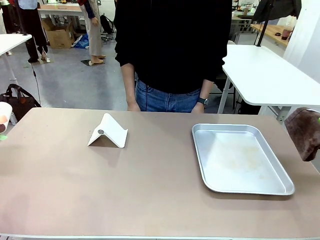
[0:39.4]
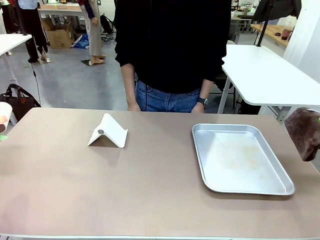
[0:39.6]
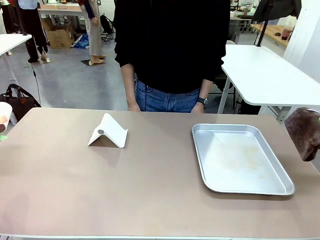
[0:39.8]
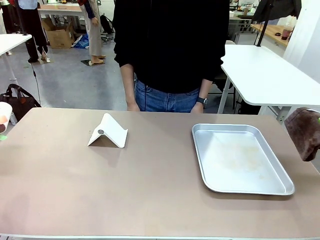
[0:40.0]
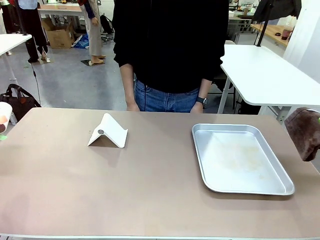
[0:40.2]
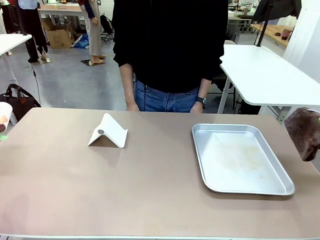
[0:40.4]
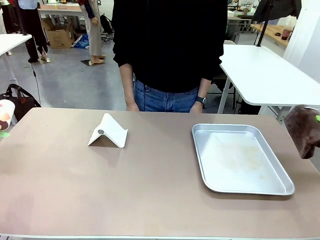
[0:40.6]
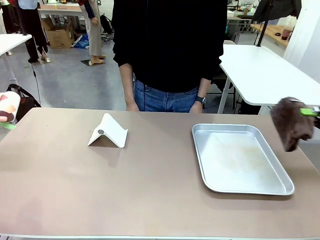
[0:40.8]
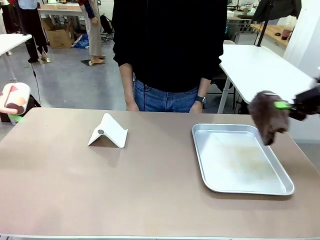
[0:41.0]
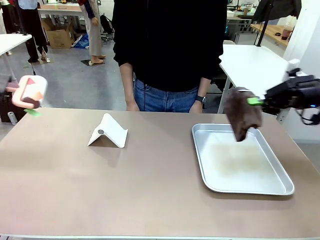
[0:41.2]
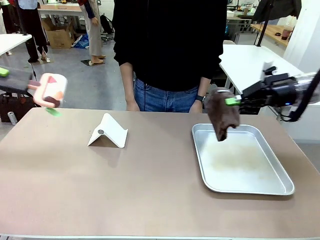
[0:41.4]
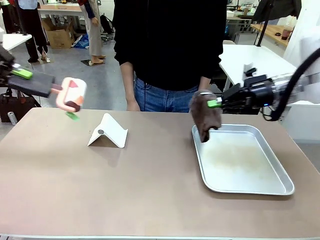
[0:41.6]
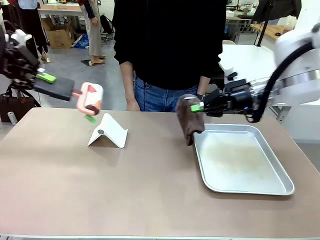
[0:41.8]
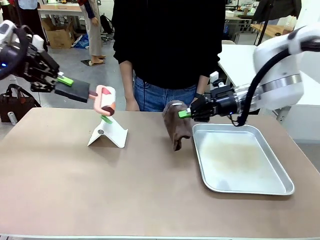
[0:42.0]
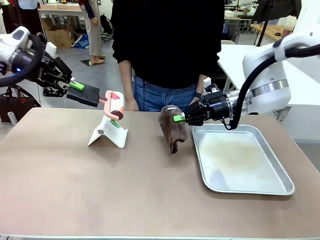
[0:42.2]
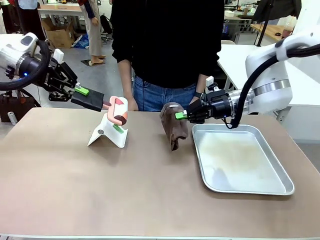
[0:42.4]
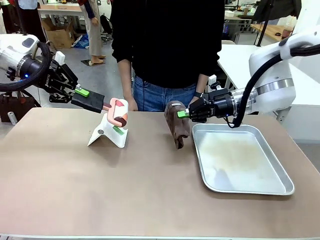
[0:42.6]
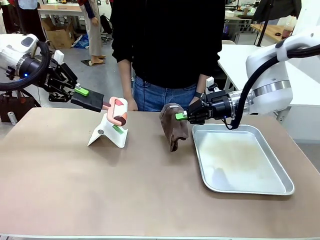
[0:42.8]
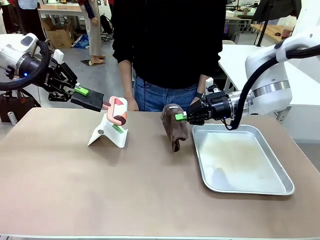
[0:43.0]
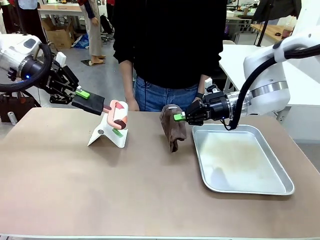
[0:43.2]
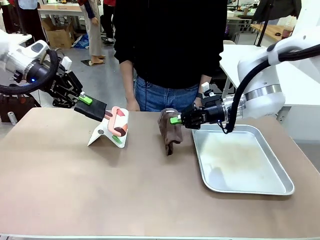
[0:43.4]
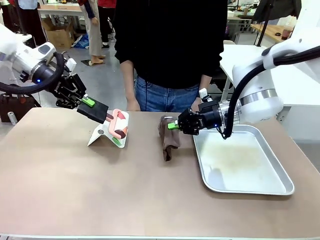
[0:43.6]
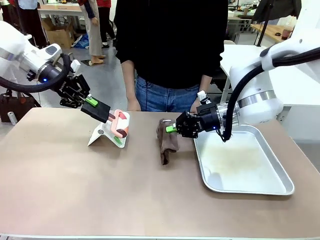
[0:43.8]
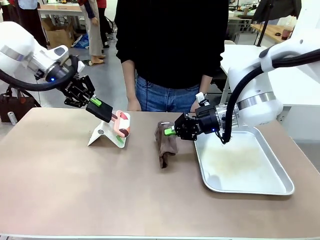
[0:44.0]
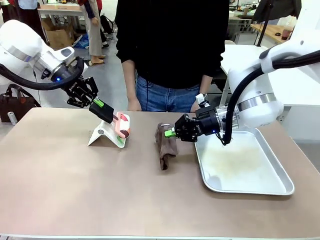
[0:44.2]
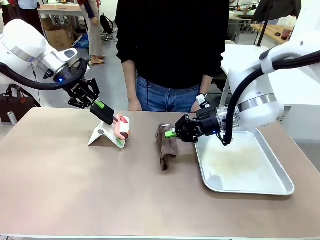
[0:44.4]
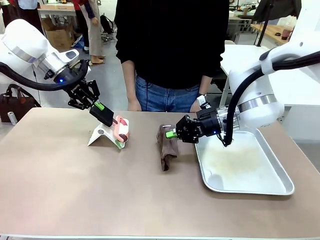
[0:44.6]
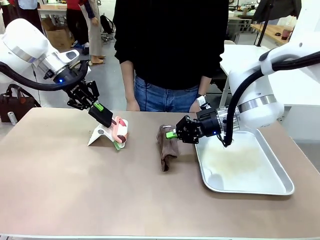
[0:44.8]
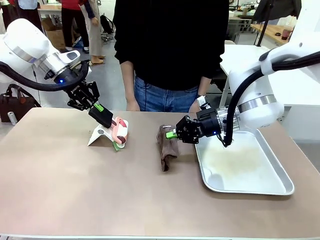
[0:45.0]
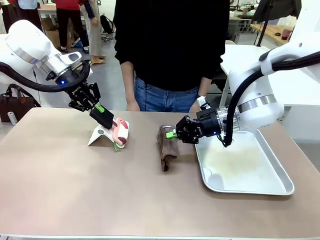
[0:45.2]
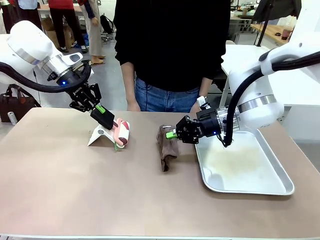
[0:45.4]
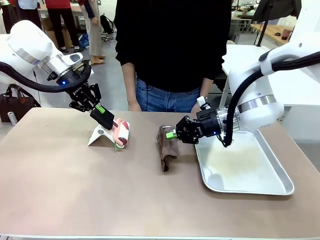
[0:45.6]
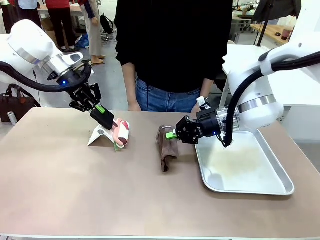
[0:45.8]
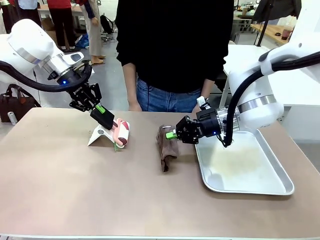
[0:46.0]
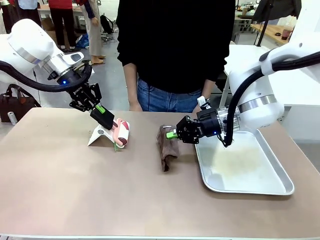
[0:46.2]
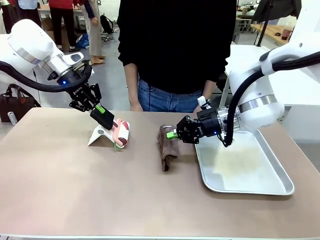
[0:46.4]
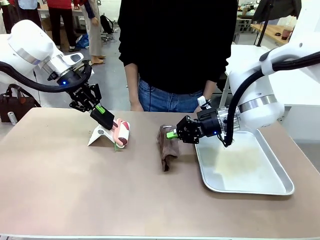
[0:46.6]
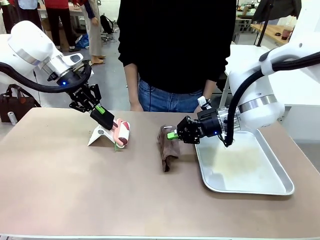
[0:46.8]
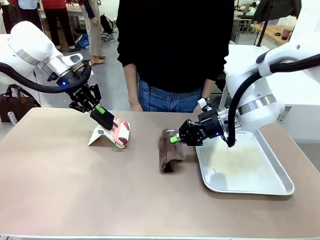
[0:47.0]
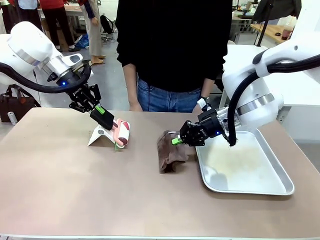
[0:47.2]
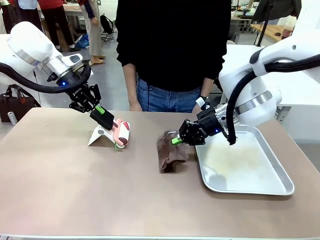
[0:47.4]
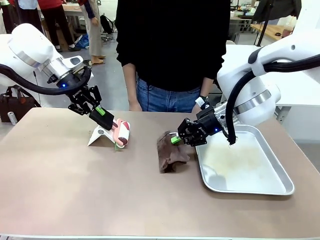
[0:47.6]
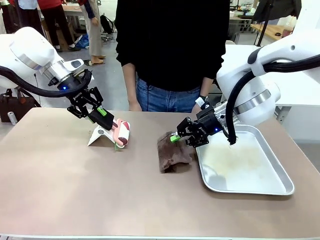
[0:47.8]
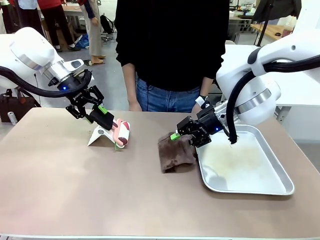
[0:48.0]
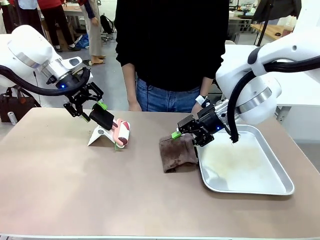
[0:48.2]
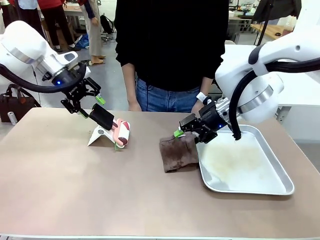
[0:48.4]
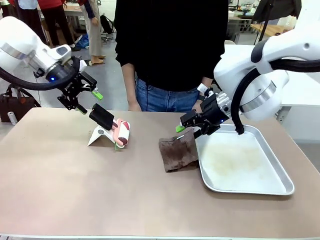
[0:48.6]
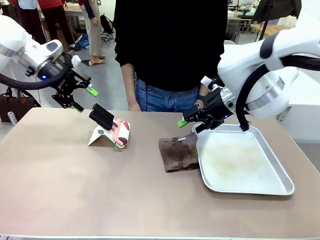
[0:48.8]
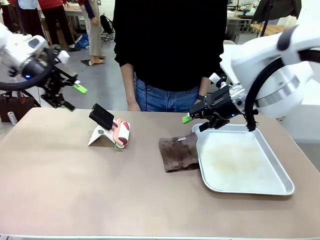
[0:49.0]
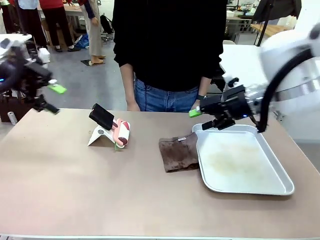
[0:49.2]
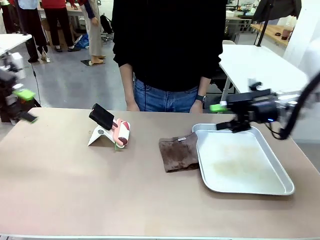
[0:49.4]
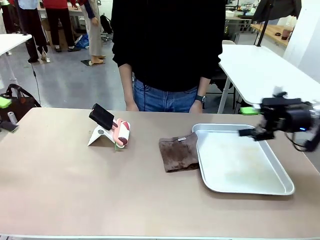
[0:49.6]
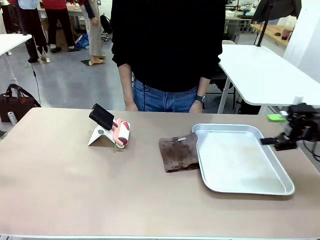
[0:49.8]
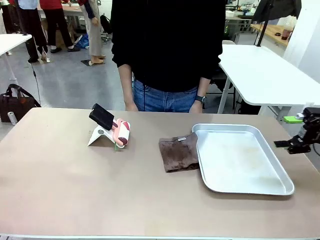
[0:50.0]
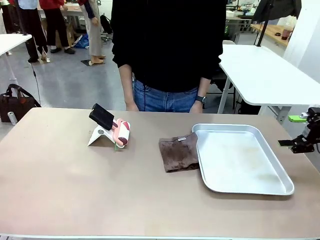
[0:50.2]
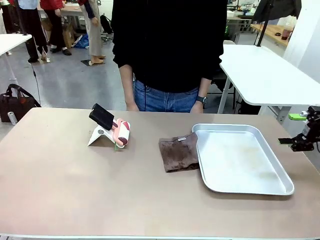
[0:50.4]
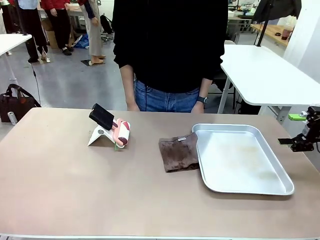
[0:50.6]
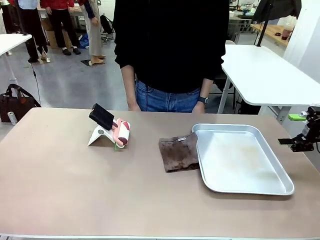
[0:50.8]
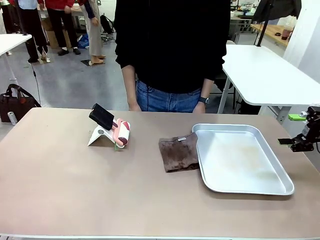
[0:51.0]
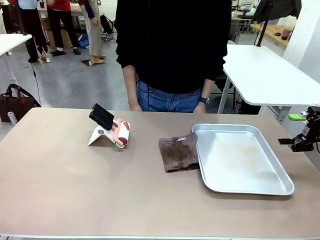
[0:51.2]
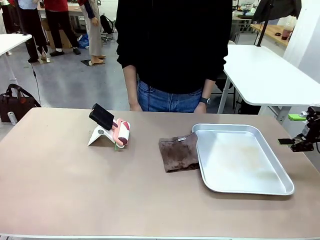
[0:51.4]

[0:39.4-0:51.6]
Task: Clean the surface of the table.
Robot: Return the Lint Roller and towel to their original positions.

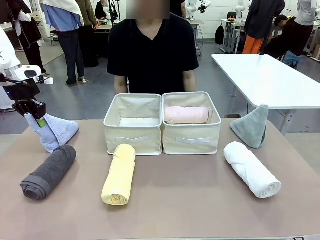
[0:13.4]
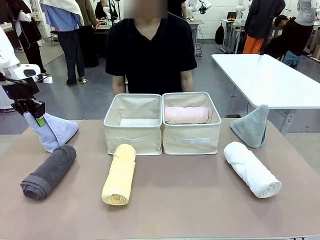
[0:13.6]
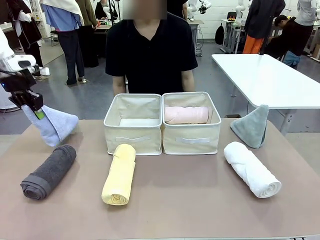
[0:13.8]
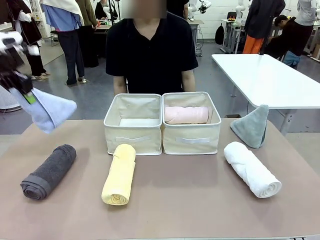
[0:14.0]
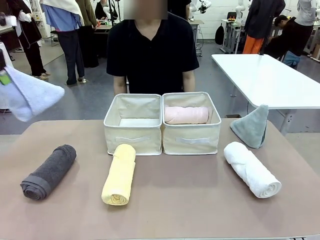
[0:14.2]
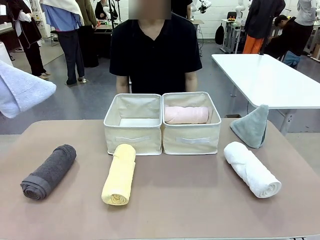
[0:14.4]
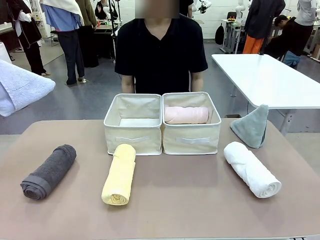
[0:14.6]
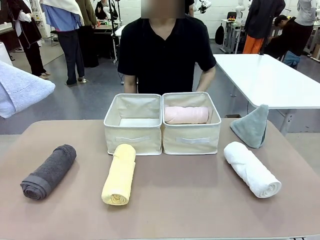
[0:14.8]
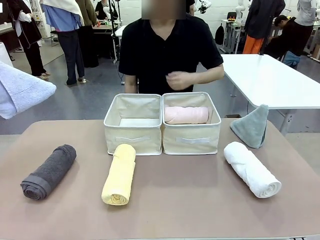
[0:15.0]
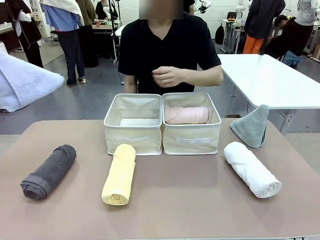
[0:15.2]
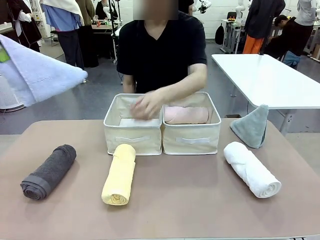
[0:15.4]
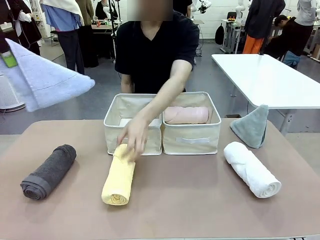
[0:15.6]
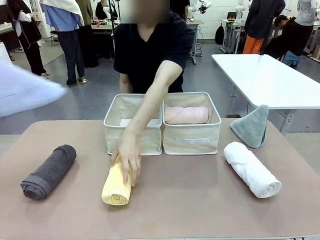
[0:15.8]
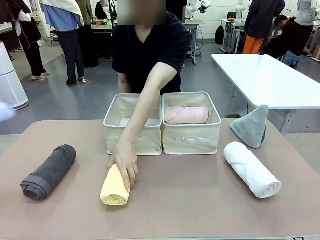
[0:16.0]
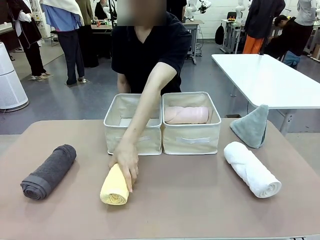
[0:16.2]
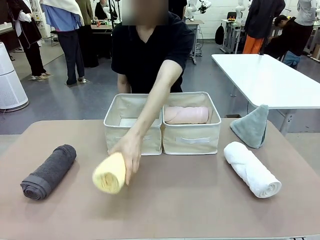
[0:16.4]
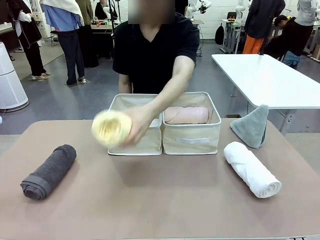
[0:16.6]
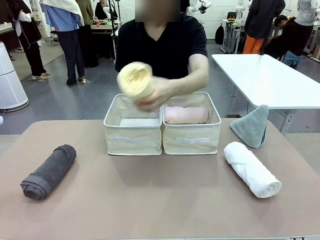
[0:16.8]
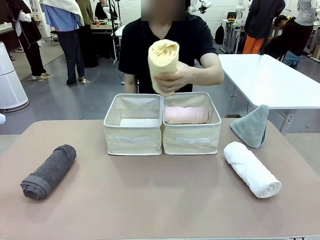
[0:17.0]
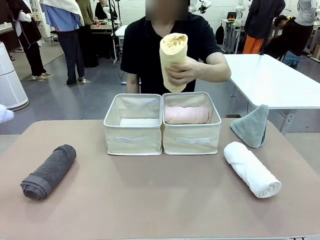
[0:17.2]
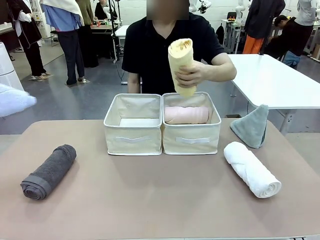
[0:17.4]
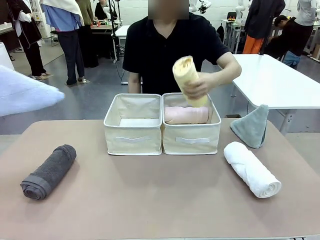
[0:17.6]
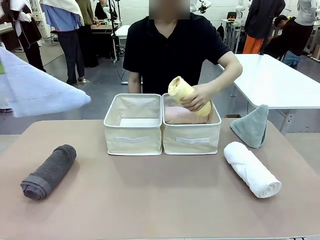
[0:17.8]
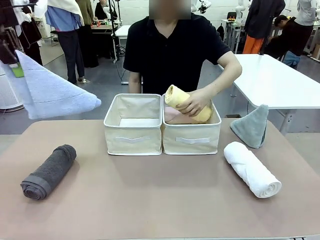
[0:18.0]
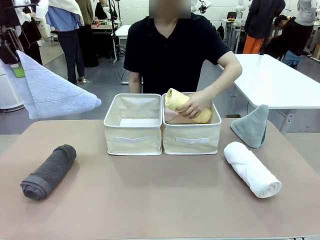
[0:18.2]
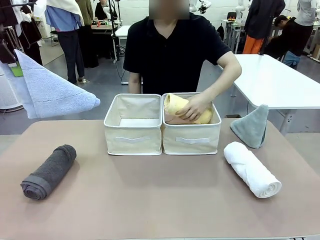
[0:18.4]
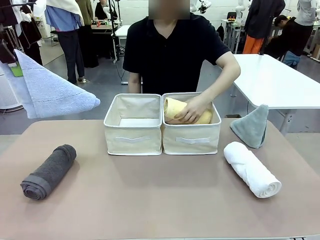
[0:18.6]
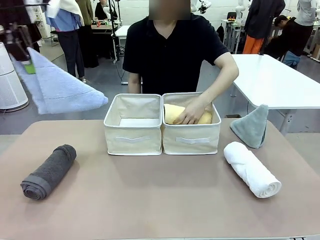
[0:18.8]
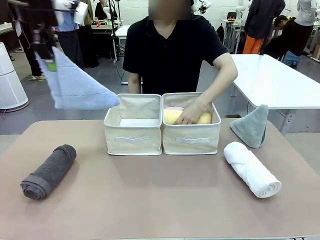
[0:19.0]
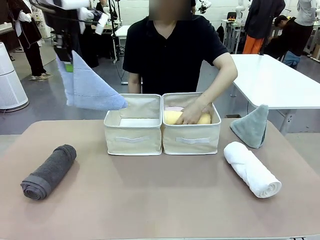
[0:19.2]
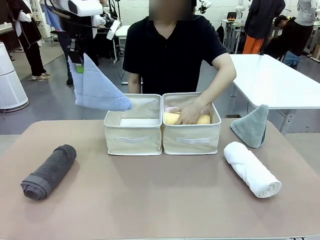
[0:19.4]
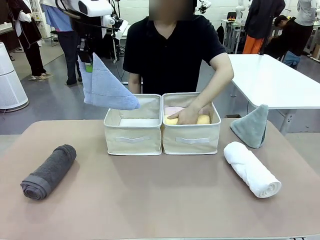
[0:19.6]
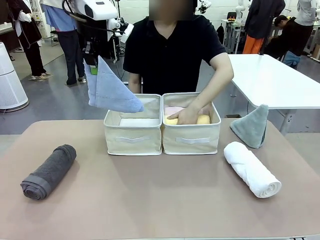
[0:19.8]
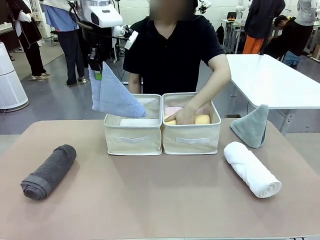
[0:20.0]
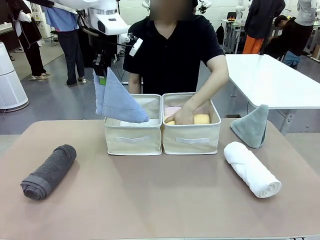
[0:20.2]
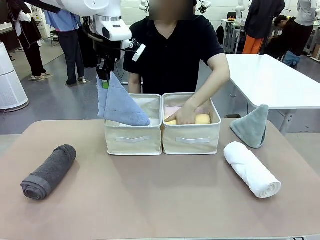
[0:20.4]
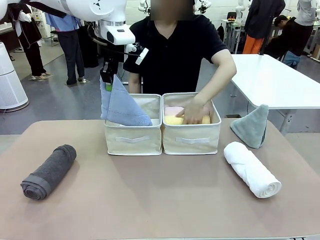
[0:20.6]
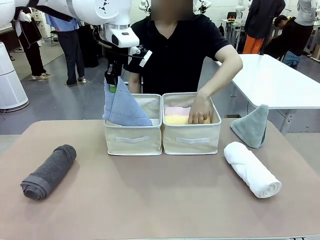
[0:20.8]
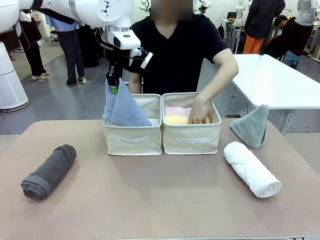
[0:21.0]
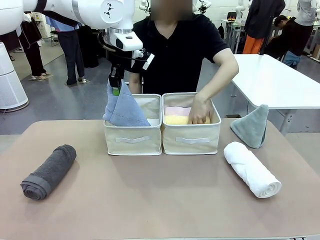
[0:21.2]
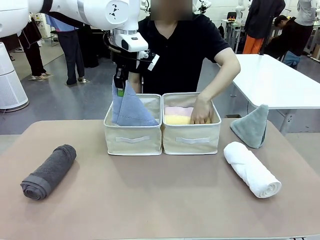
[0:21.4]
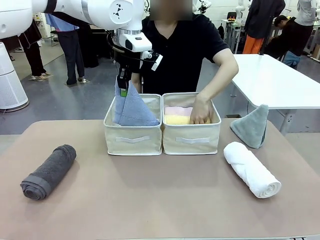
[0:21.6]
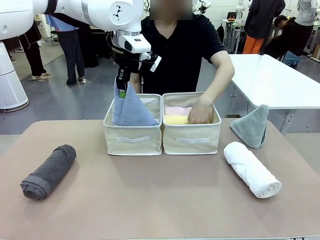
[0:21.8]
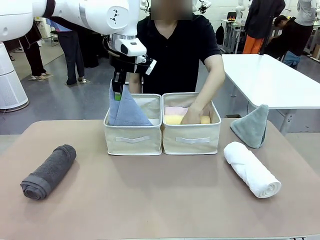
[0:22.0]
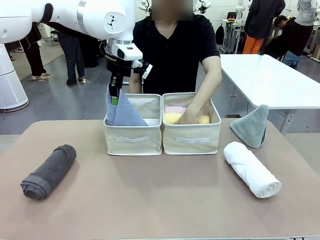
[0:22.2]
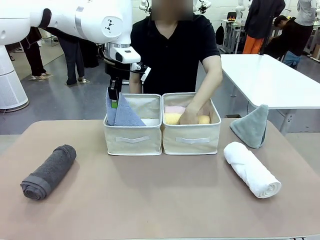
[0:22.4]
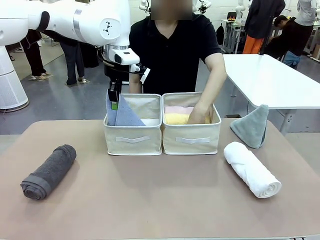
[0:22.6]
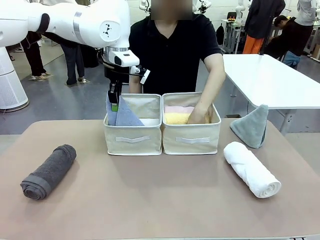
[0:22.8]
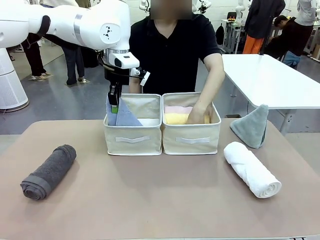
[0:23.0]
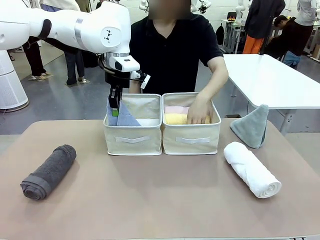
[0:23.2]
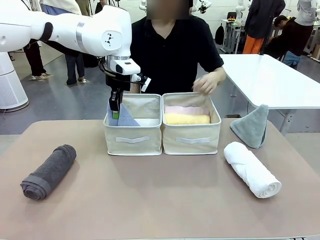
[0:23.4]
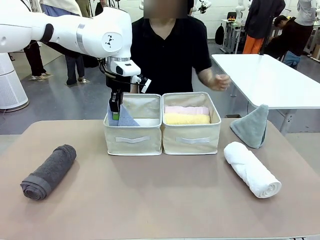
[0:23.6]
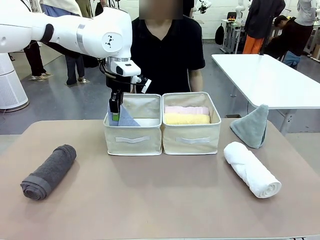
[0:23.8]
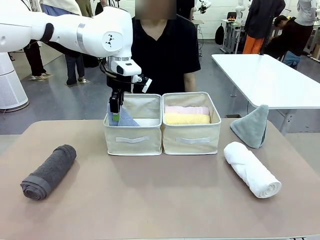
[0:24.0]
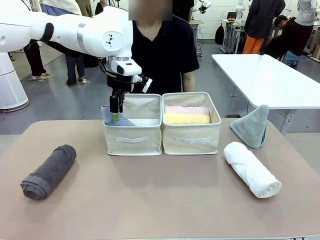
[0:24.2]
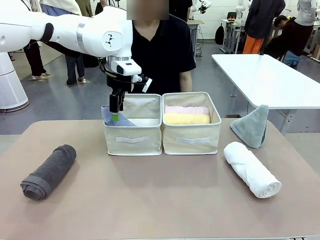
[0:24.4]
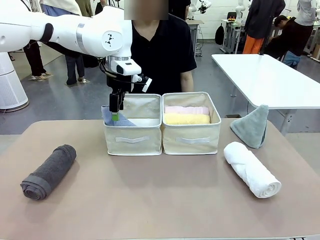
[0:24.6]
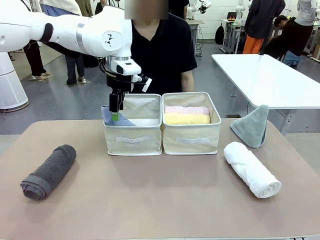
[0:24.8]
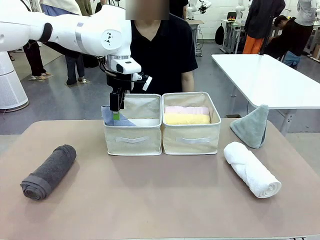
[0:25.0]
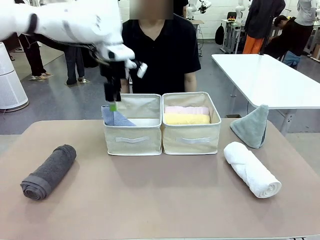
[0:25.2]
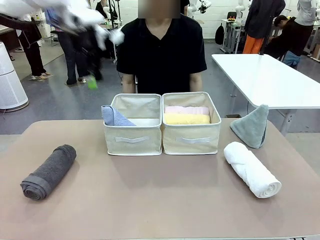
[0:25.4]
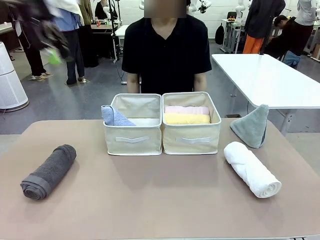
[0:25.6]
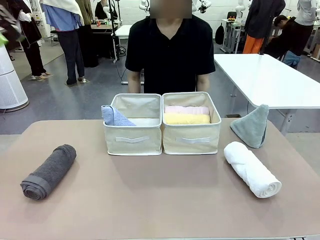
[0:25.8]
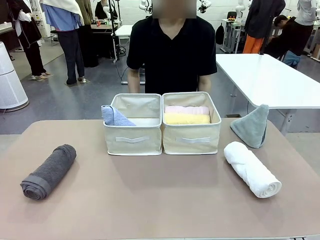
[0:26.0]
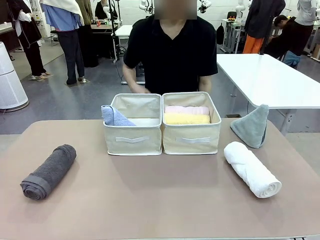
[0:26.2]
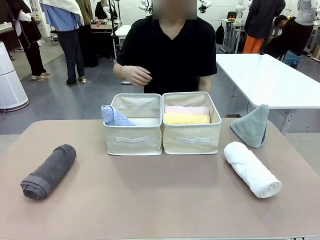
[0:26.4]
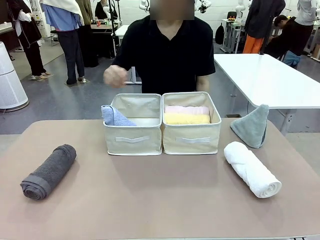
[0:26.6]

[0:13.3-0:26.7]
Task: Sort the towels based on their folding style.
Robot: Pick up one triangle-folded towel and place it in the left Fabric basket.
